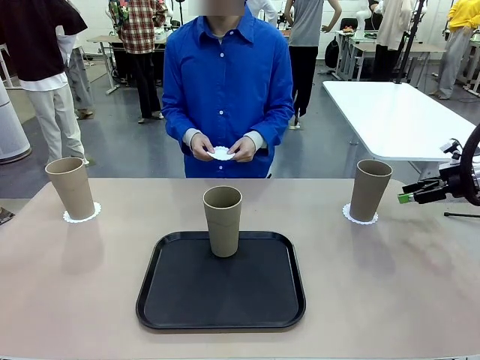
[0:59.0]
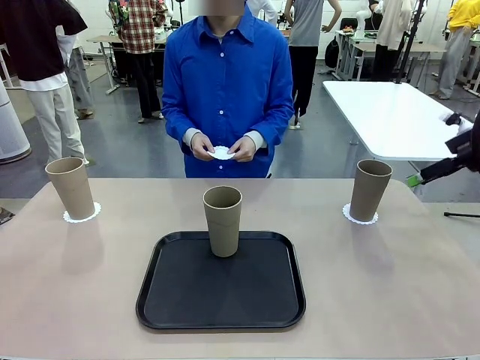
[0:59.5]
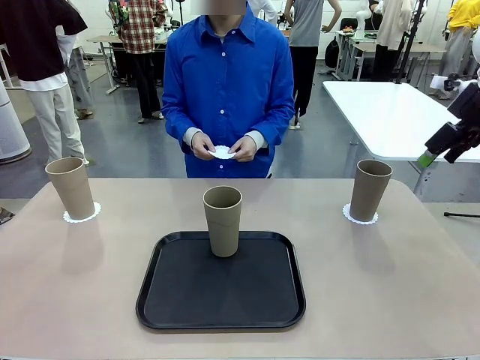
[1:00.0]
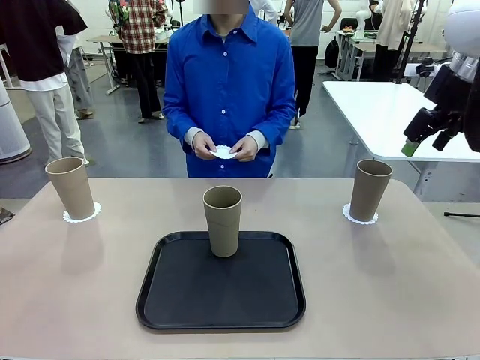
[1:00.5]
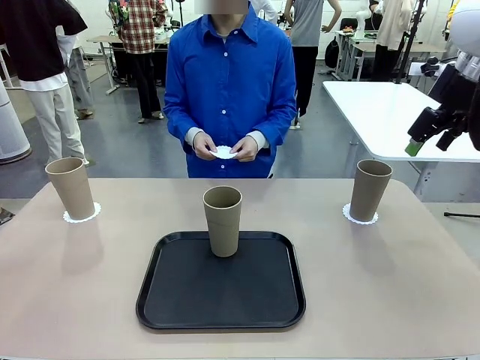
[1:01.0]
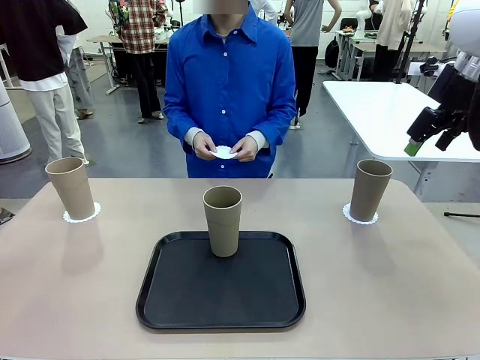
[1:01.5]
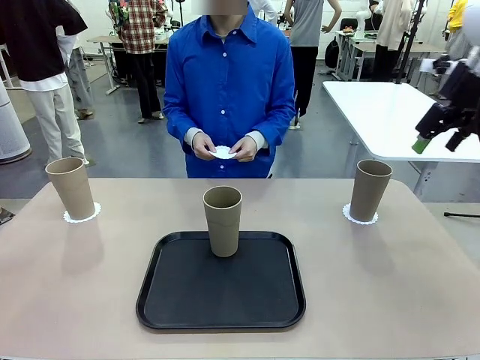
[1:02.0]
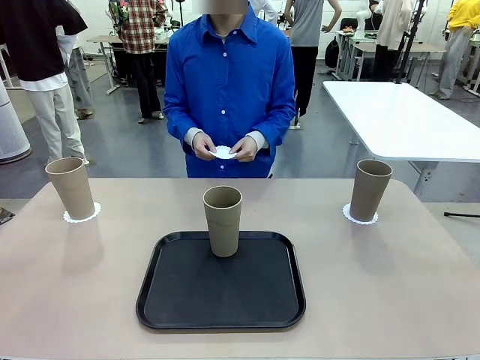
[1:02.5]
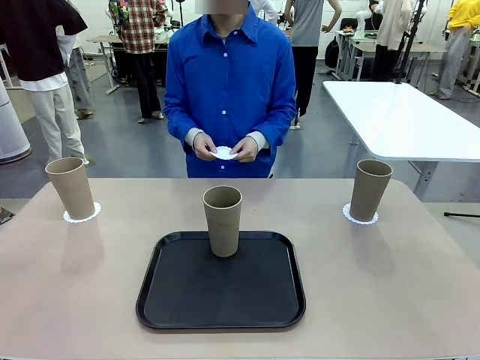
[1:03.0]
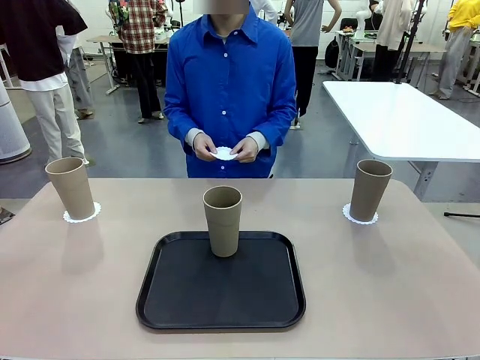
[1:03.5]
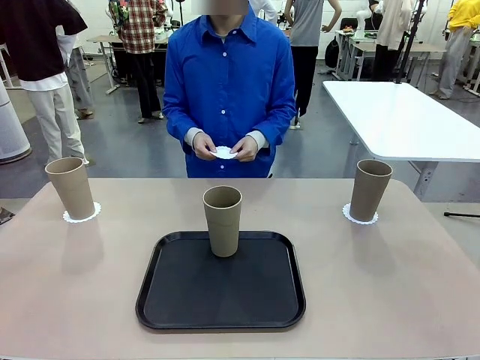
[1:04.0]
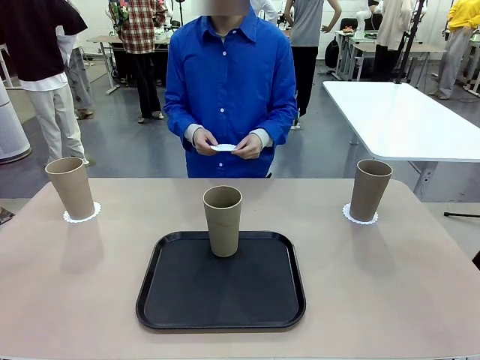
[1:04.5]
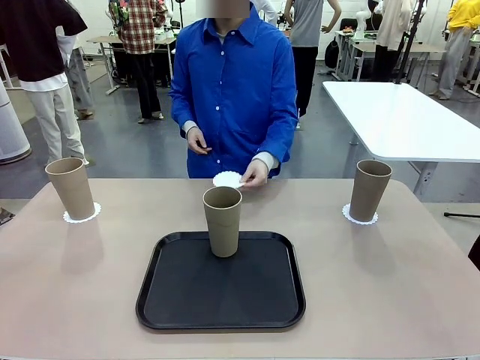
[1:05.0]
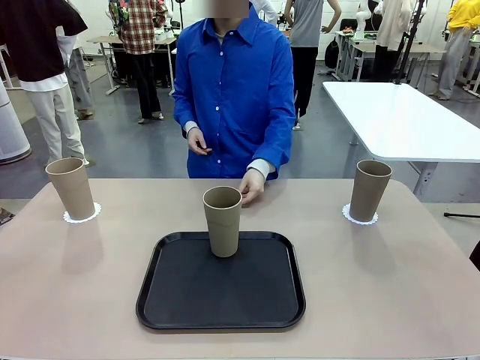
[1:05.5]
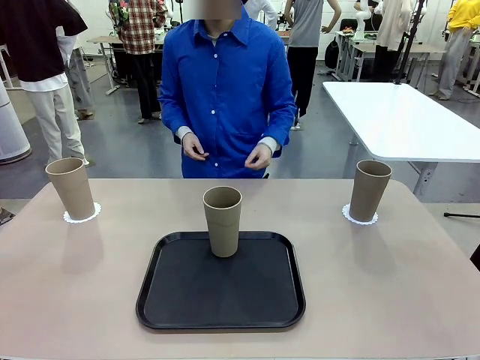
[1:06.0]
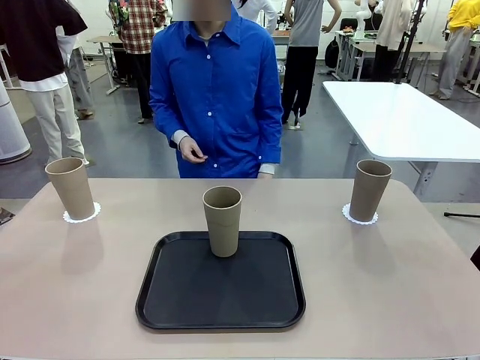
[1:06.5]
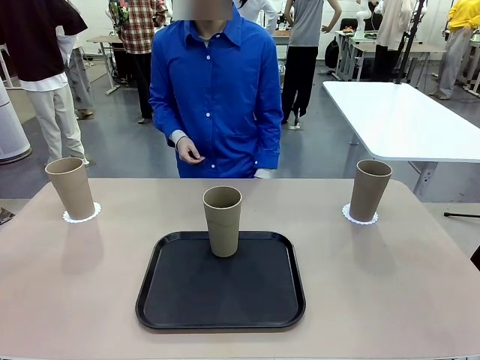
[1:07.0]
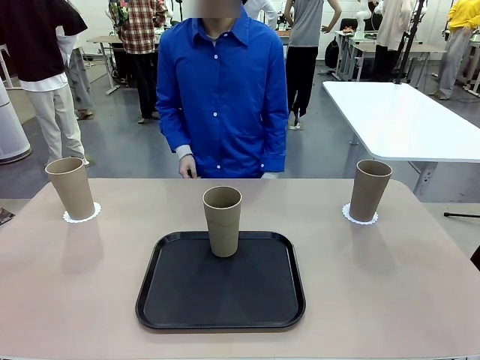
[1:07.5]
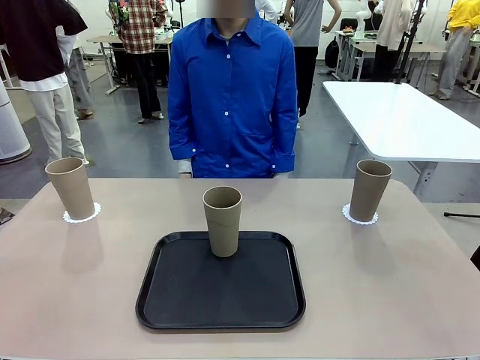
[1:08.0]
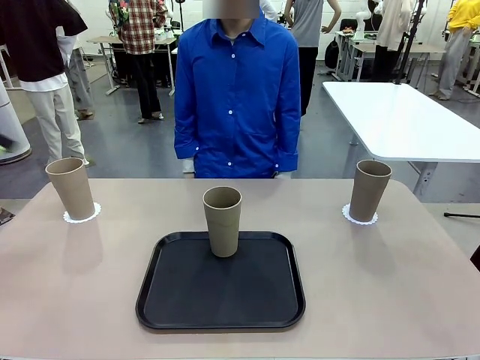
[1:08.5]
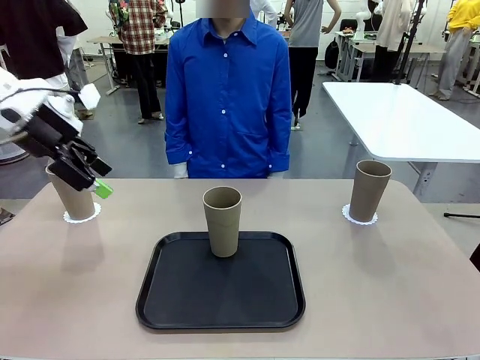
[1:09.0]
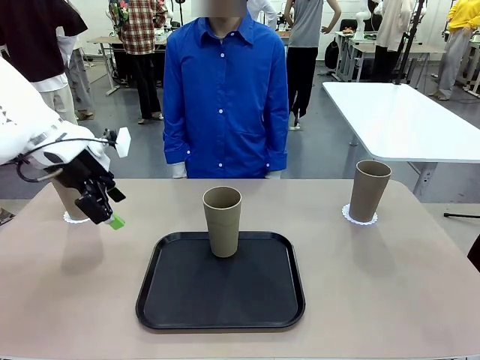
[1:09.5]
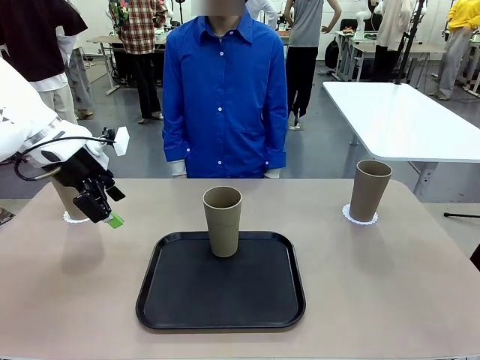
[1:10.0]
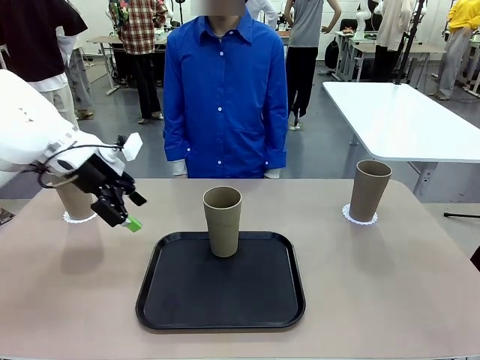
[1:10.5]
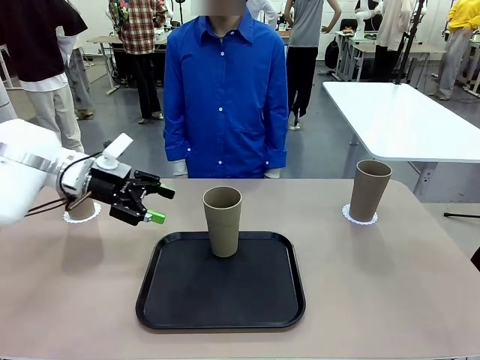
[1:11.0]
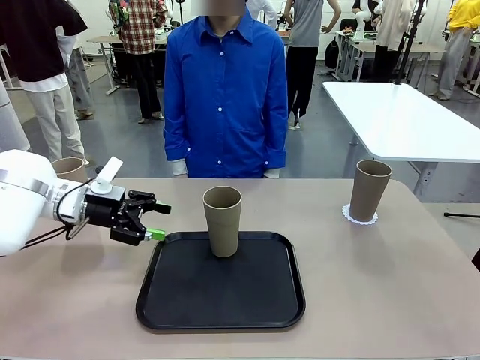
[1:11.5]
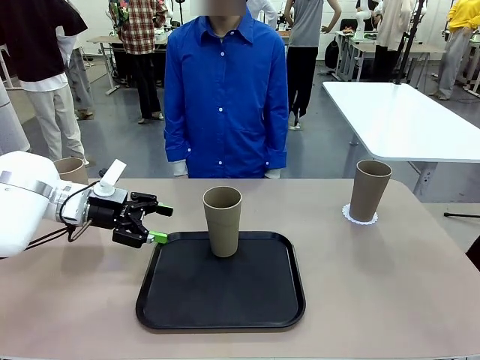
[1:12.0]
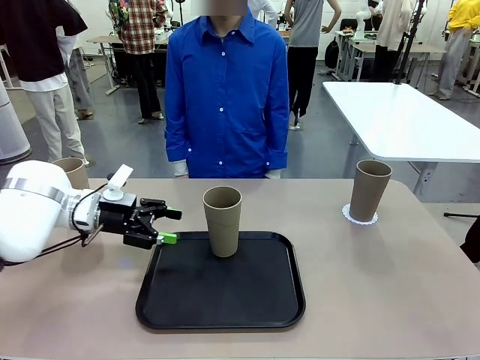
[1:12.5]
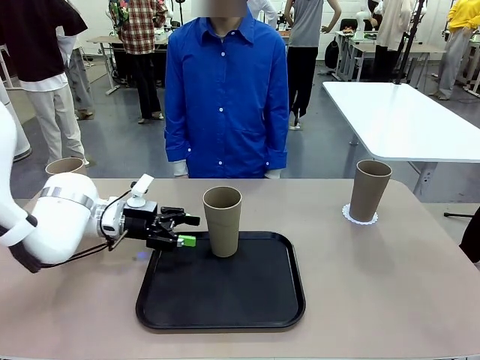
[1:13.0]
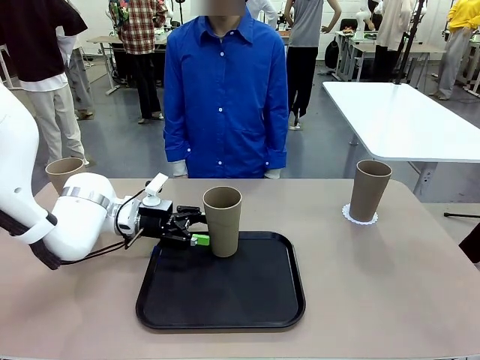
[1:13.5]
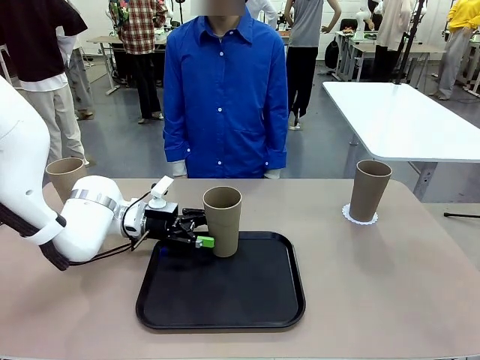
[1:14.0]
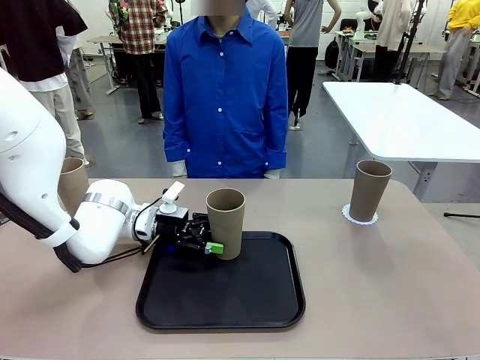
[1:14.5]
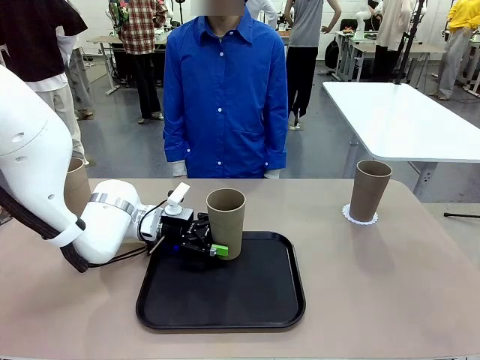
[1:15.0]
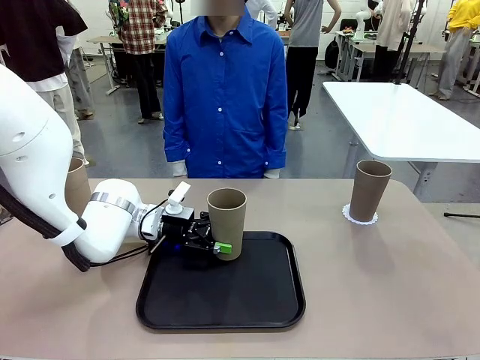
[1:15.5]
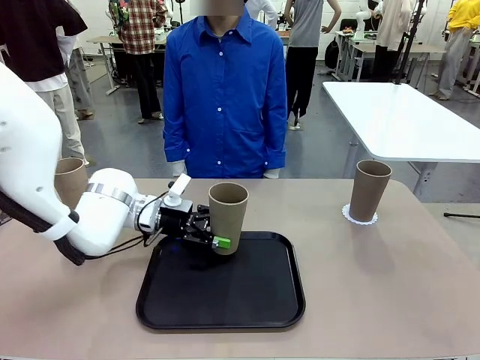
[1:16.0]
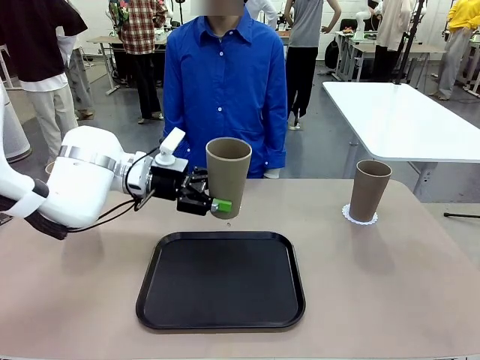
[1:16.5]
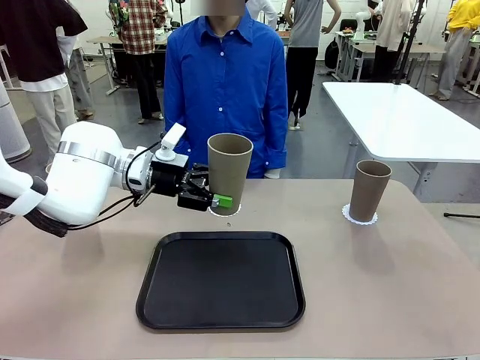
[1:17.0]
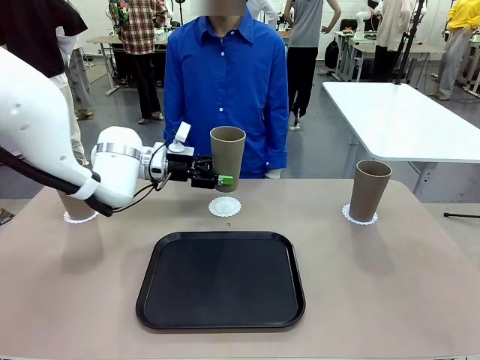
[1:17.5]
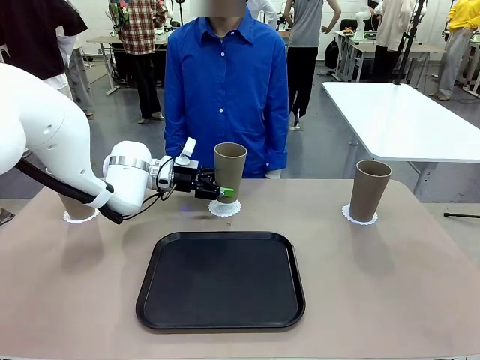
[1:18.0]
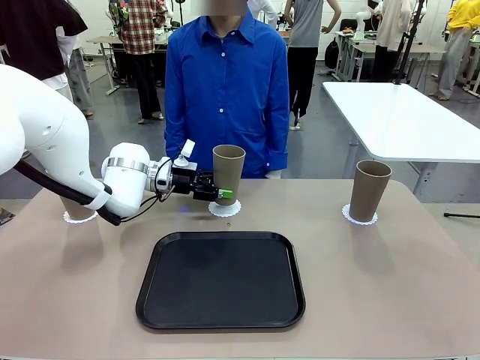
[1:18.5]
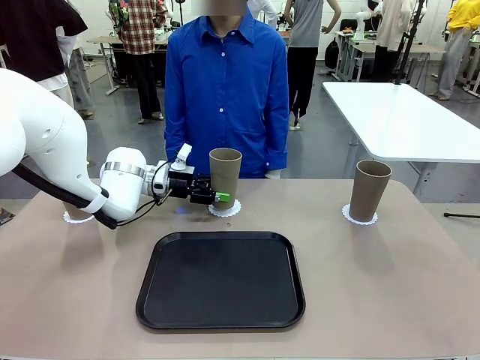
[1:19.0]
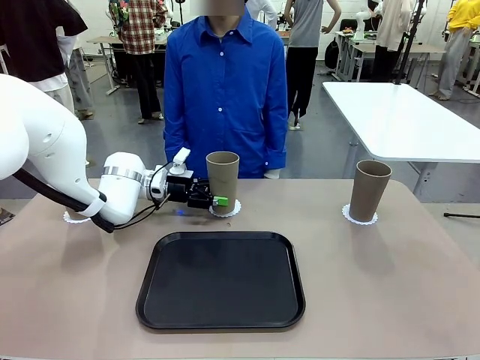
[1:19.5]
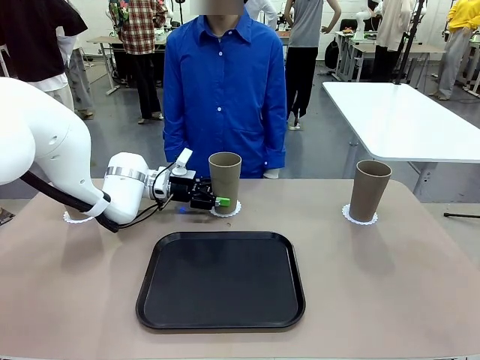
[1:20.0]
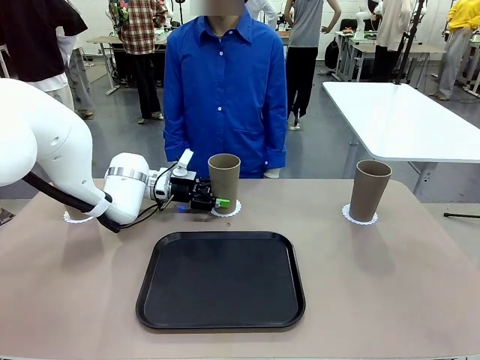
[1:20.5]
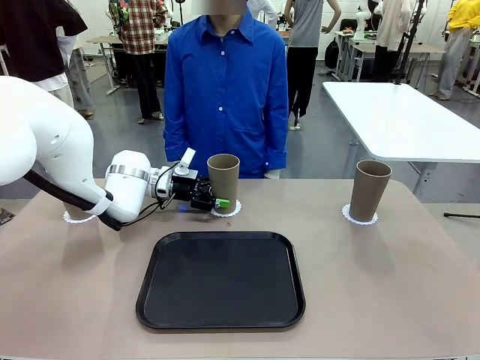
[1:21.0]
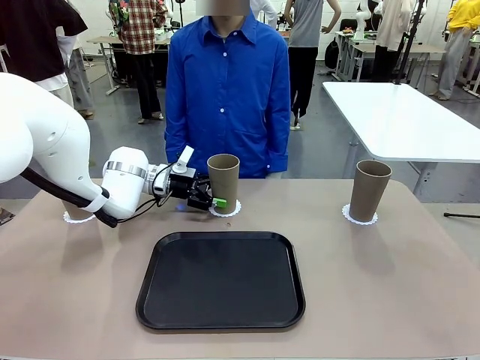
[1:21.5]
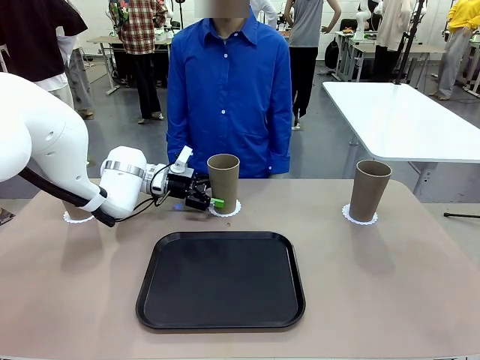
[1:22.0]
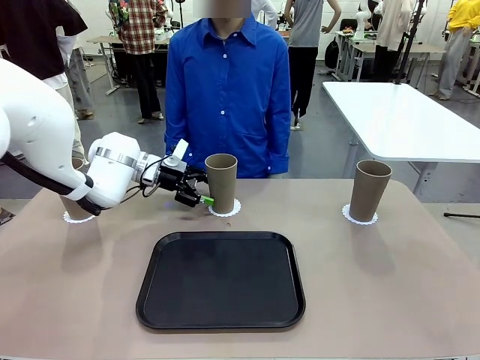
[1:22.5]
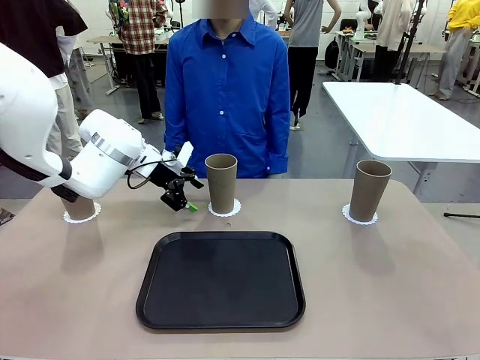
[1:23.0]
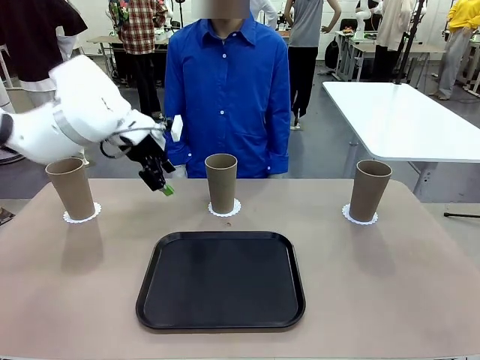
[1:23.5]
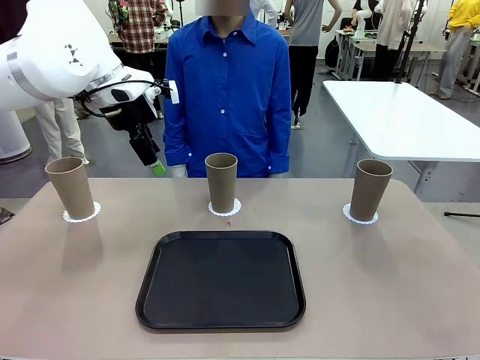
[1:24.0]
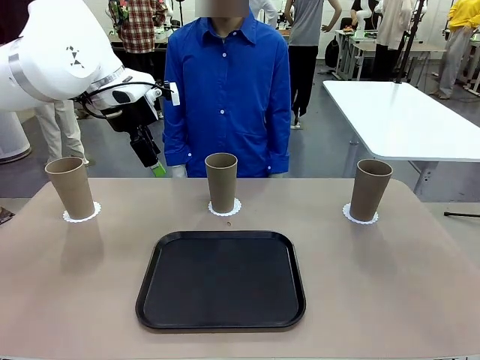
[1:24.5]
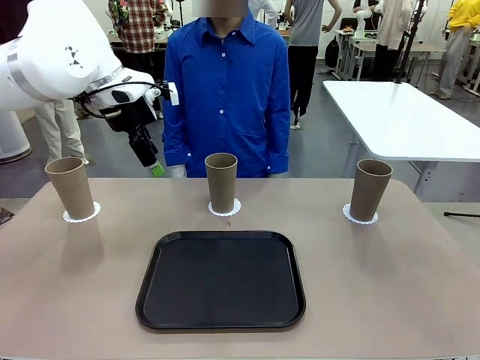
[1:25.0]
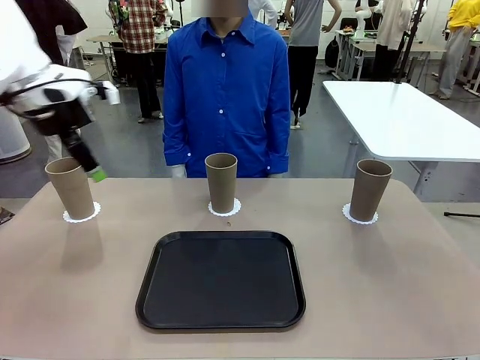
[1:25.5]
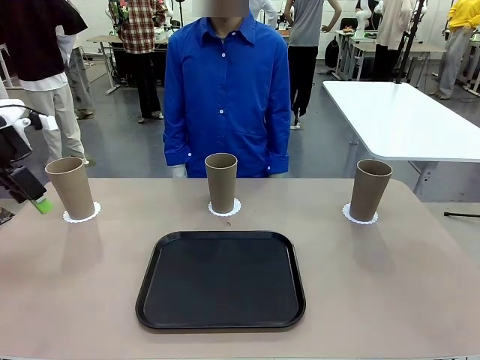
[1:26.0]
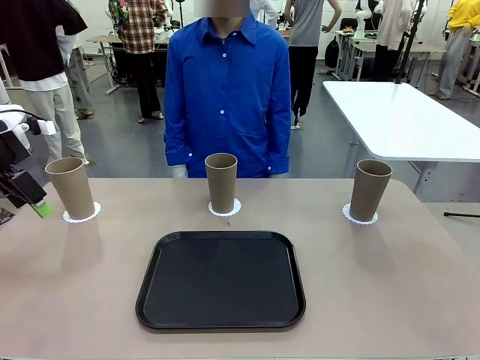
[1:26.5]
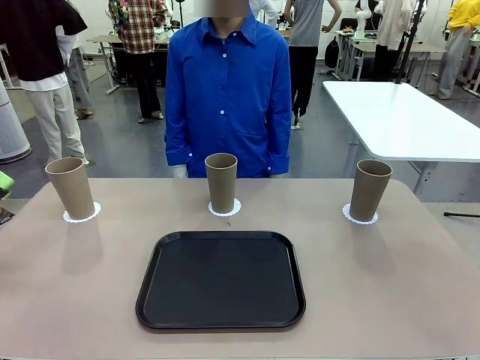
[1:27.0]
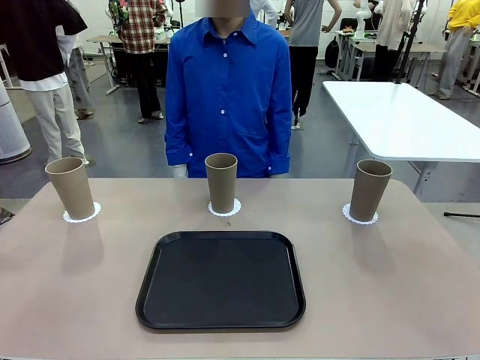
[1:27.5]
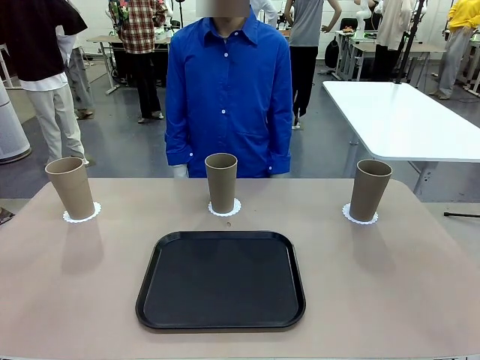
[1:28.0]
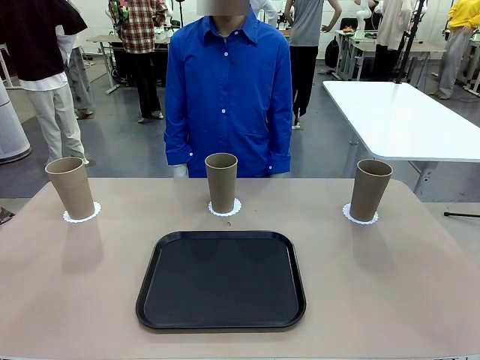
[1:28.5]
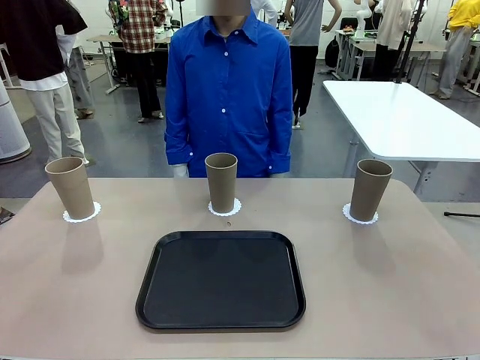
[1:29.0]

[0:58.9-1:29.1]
Task: Place coasters on the table and set cups on them.
Robot: Take one Reusable plastic cup from the Flat Tray and place it on a coaster set by the human.
Person: Place one coaster in the only remaining area.
